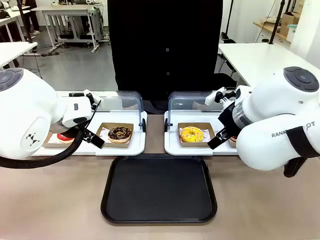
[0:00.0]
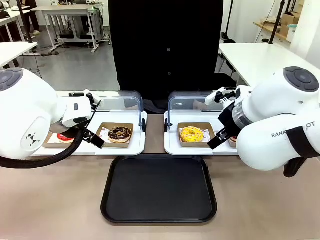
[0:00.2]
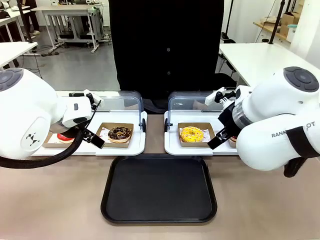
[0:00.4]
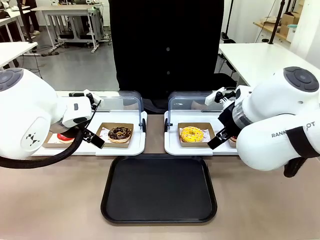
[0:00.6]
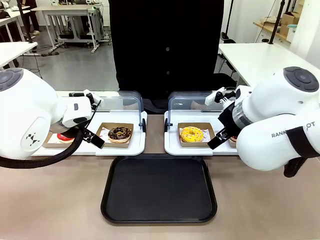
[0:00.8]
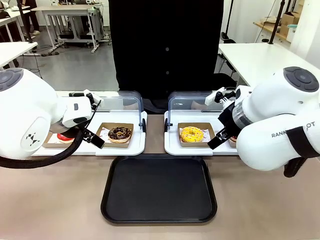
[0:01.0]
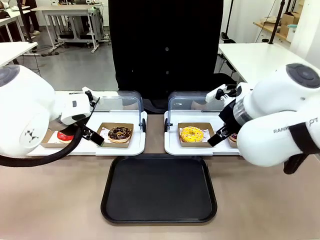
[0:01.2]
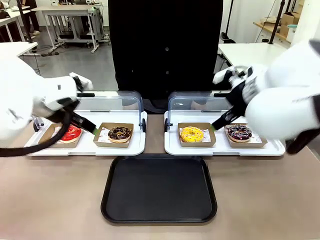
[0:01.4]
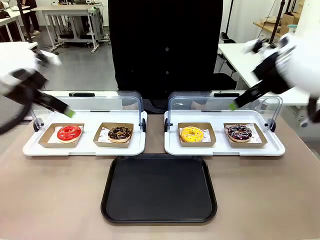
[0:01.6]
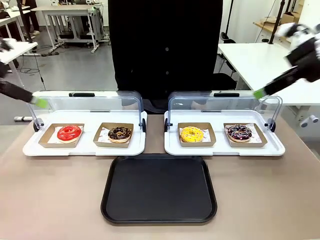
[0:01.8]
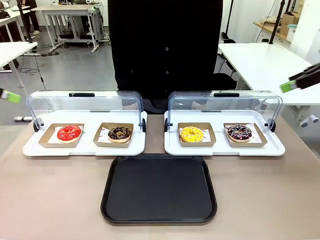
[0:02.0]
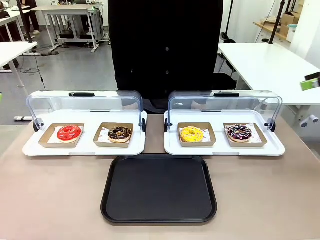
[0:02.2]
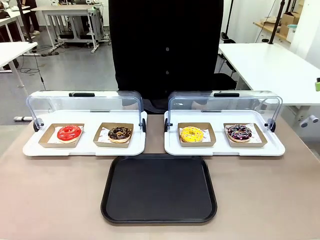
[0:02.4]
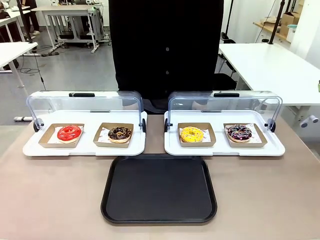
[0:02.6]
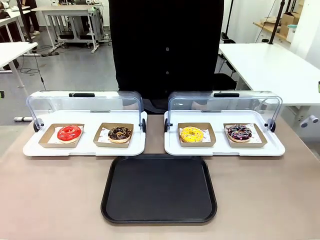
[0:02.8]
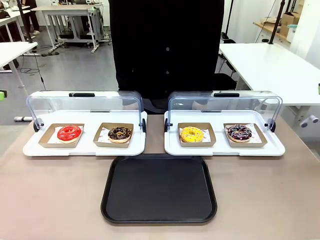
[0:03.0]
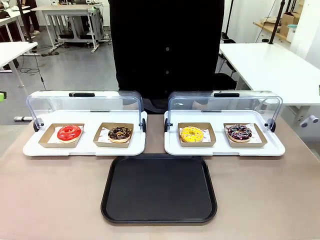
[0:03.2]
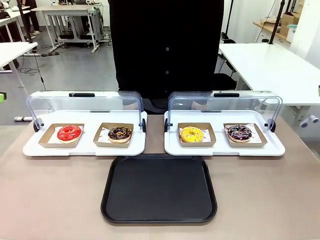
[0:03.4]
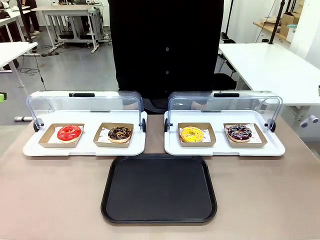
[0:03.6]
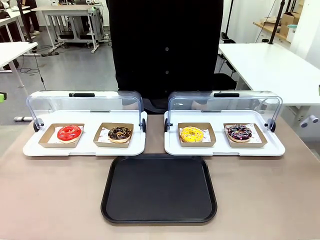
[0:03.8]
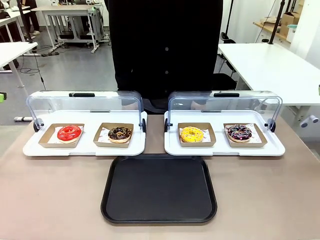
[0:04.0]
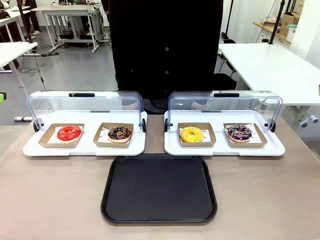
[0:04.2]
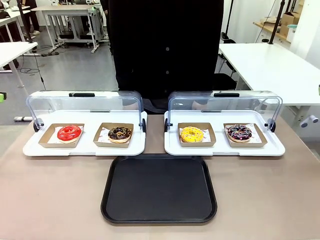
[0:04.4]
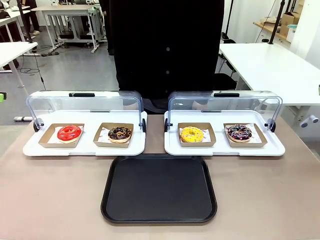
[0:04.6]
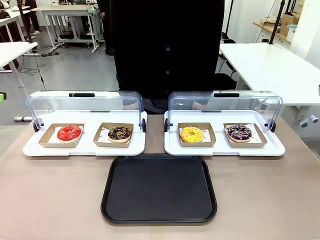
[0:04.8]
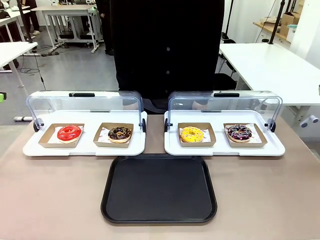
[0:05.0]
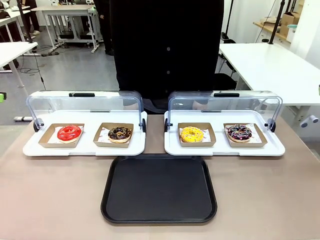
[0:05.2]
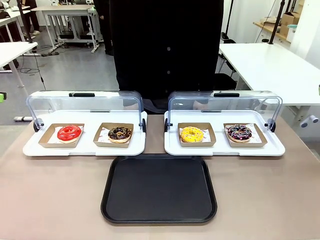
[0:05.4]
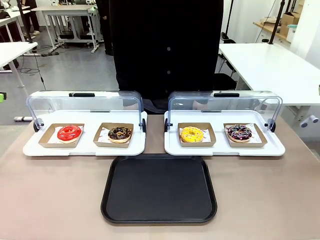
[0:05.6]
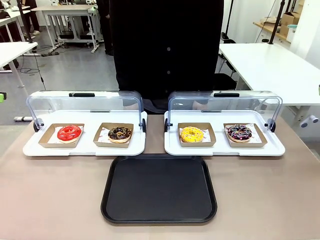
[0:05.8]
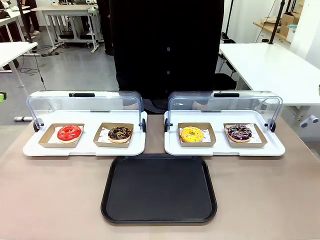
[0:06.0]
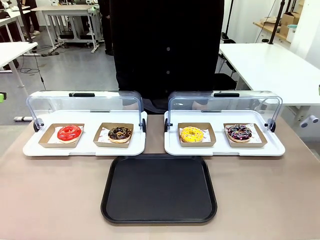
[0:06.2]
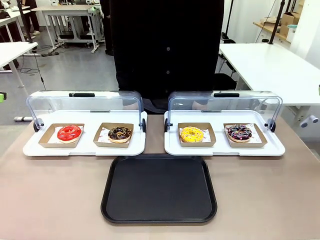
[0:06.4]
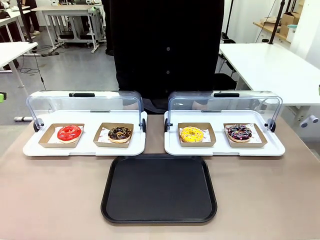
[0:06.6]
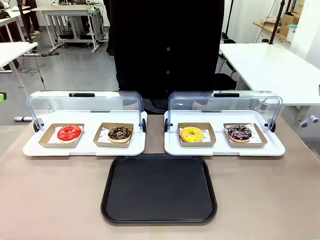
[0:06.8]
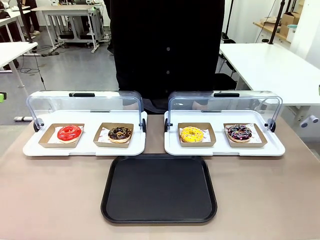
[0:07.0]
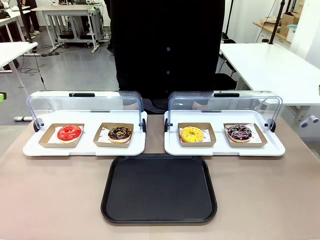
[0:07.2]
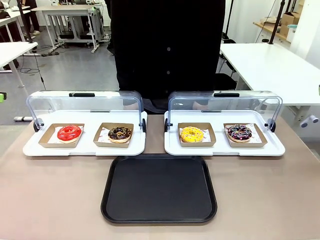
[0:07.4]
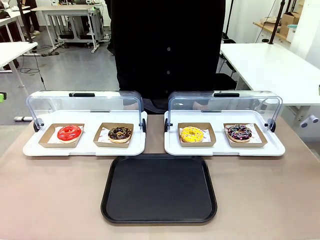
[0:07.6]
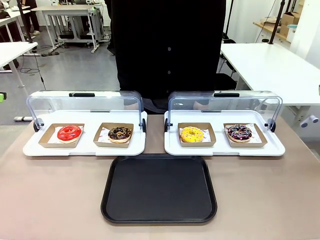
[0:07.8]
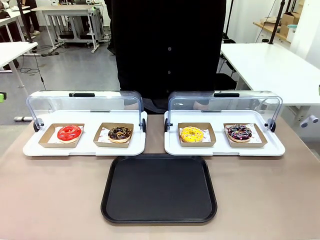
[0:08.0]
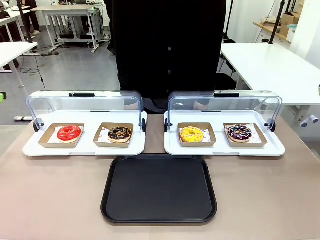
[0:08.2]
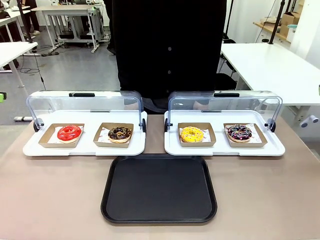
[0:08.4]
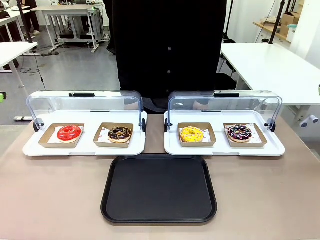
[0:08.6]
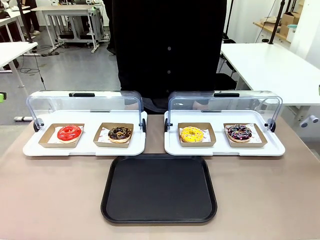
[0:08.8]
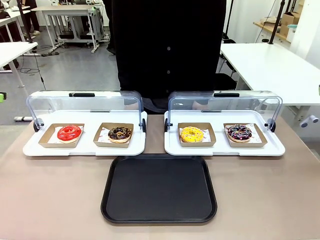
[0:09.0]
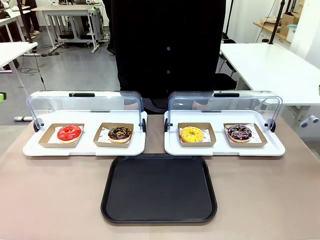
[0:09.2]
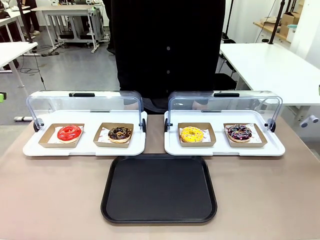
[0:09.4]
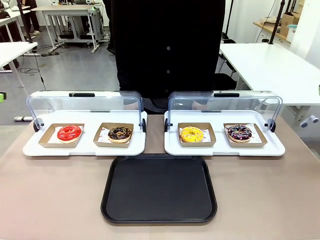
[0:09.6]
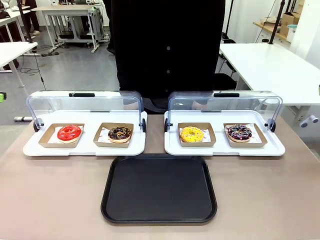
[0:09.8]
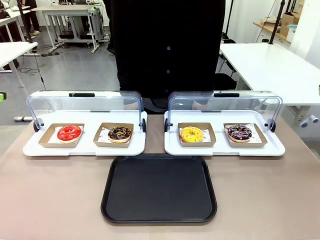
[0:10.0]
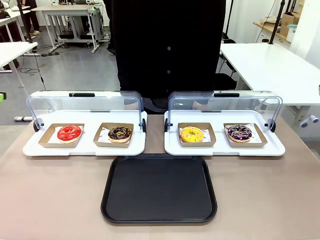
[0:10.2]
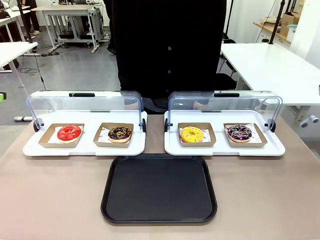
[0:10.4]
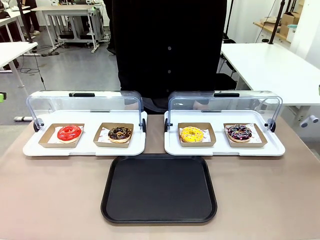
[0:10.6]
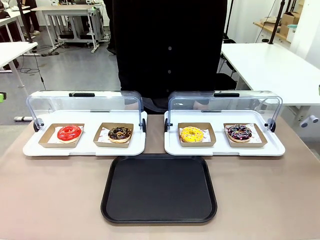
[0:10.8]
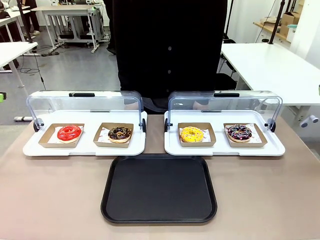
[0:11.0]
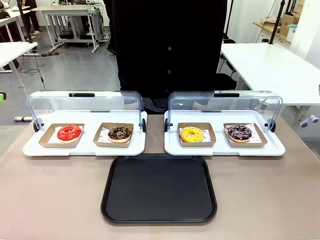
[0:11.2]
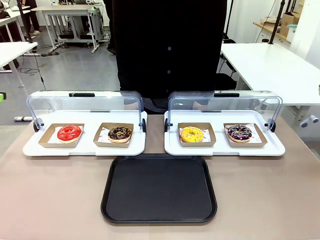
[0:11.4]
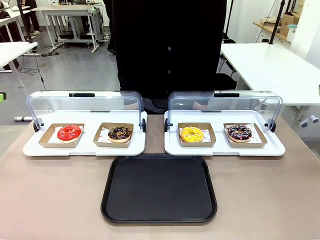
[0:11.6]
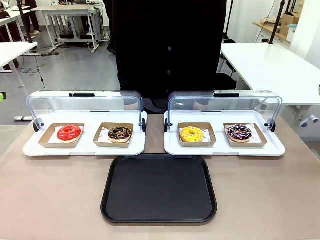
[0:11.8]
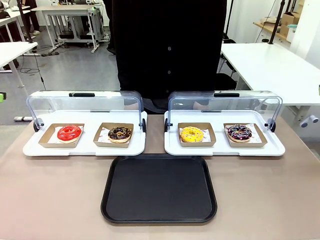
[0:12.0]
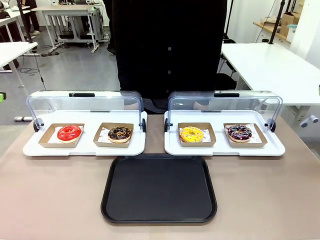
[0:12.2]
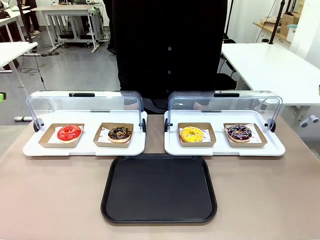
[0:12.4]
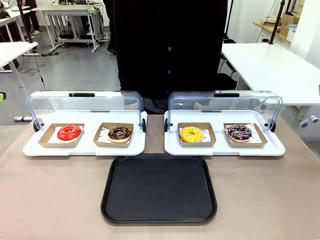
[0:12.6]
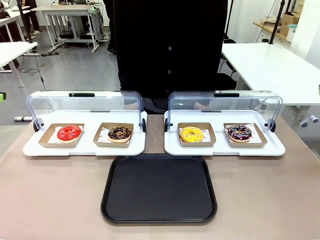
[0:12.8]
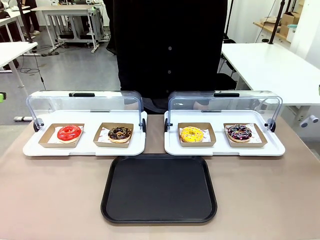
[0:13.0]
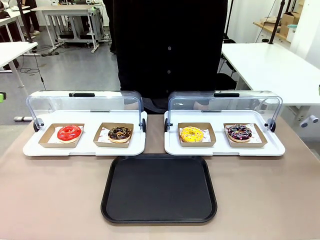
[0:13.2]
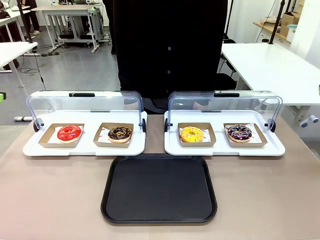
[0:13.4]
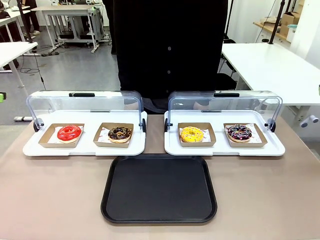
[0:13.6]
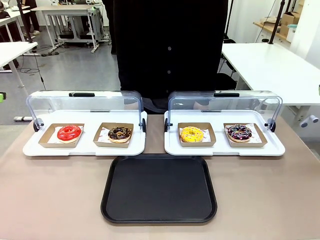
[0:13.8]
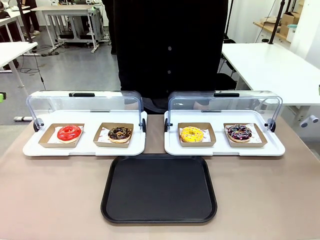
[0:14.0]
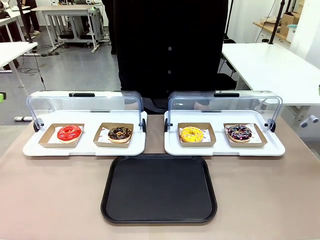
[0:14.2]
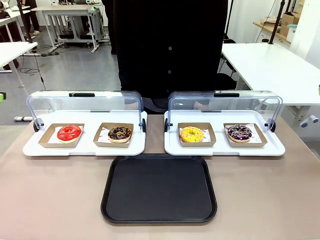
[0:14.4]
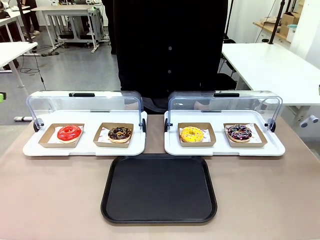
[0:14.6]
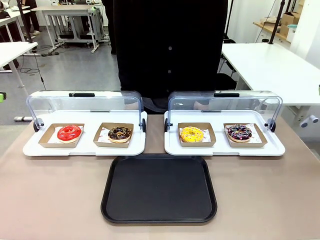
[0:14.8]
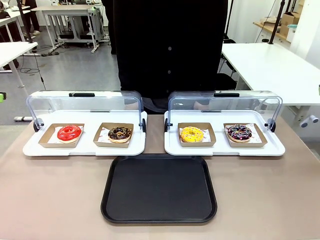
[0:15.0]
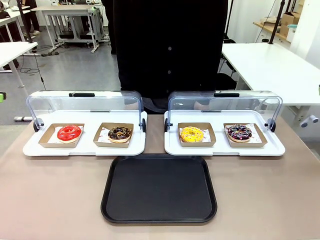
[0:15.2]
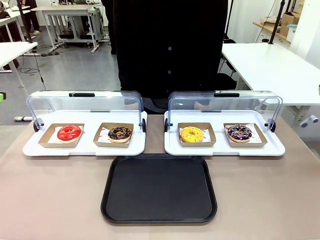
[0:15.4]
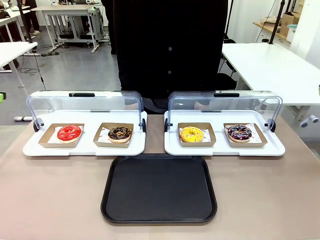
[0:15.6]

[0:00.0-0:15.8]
Task: Move the fourth donut from the left to the tray.
Robot: Pick up the Paper togo box containing the Donut indicated by the person and place it on the Handle tray.
